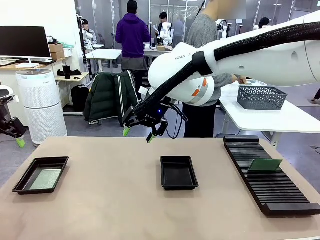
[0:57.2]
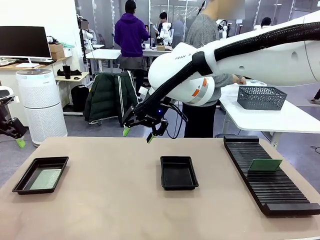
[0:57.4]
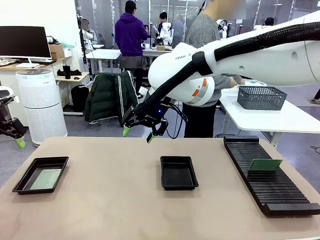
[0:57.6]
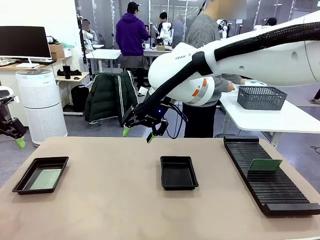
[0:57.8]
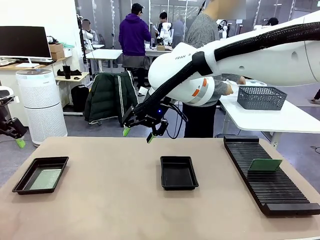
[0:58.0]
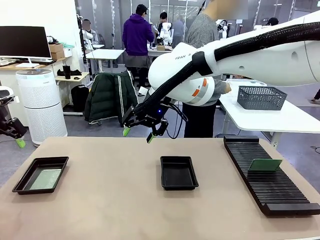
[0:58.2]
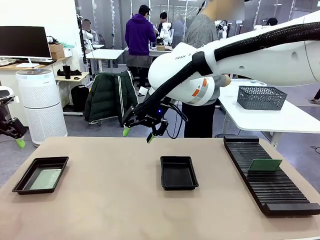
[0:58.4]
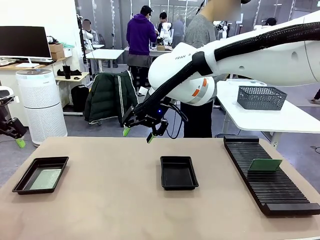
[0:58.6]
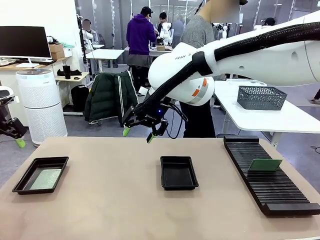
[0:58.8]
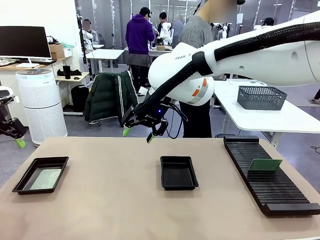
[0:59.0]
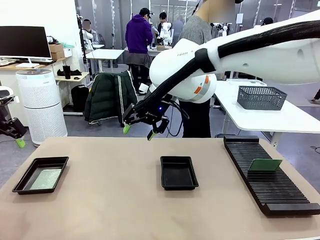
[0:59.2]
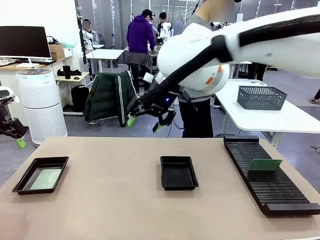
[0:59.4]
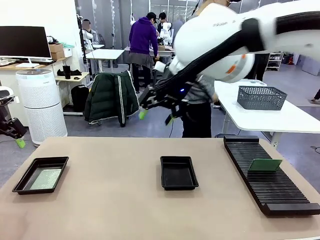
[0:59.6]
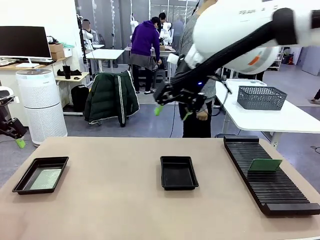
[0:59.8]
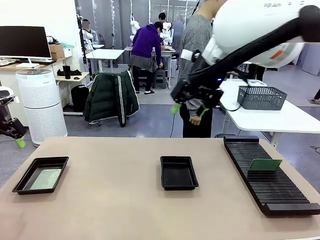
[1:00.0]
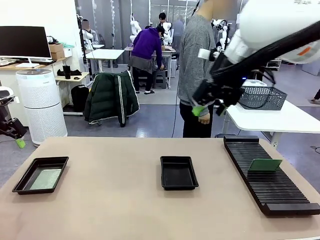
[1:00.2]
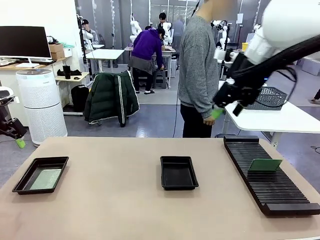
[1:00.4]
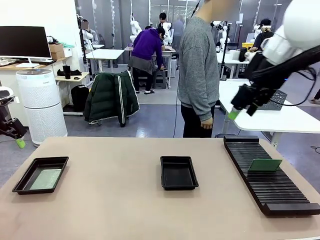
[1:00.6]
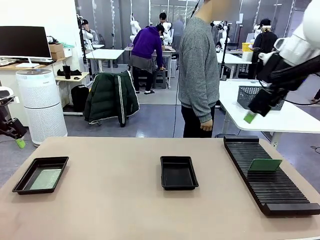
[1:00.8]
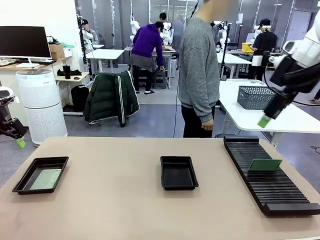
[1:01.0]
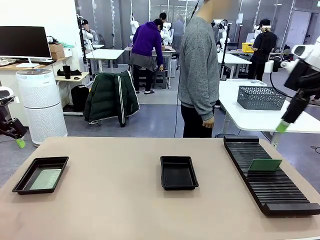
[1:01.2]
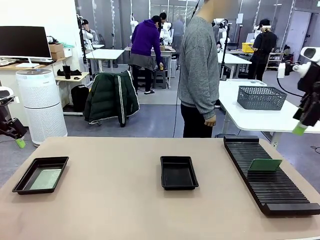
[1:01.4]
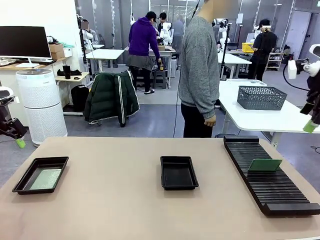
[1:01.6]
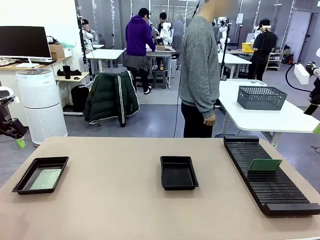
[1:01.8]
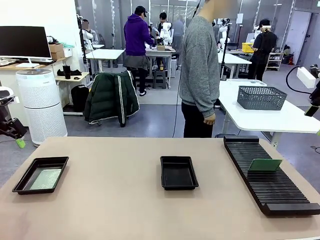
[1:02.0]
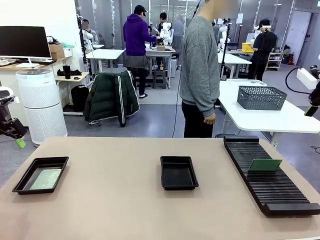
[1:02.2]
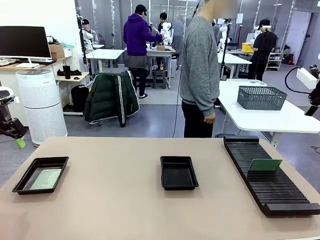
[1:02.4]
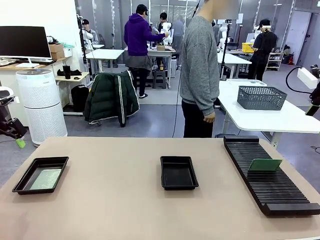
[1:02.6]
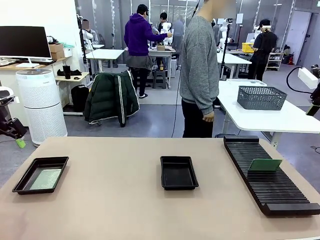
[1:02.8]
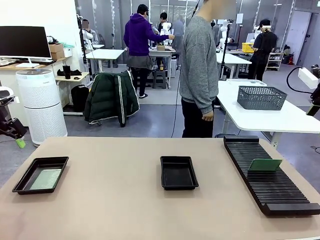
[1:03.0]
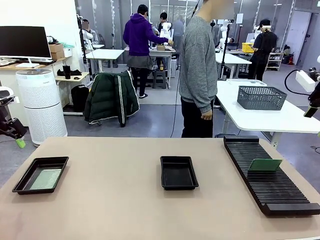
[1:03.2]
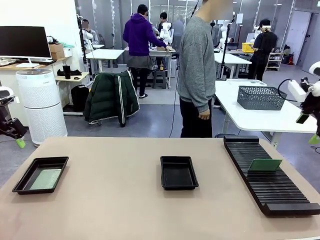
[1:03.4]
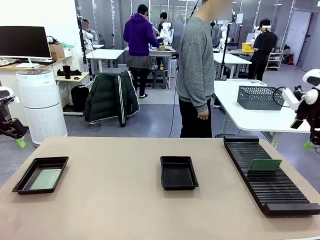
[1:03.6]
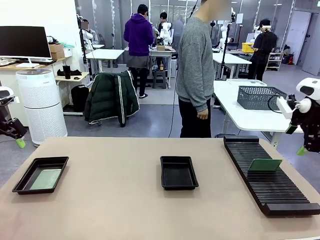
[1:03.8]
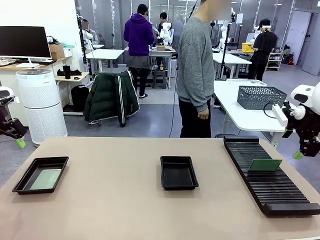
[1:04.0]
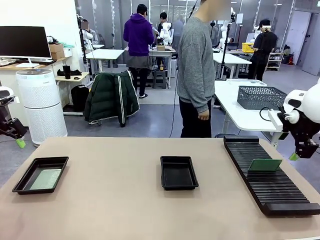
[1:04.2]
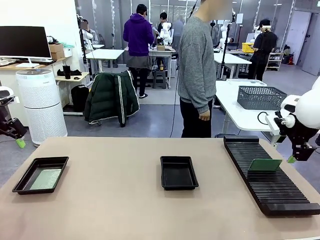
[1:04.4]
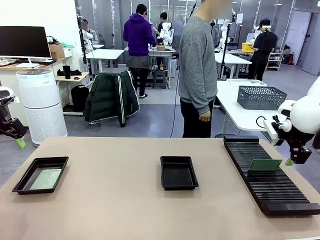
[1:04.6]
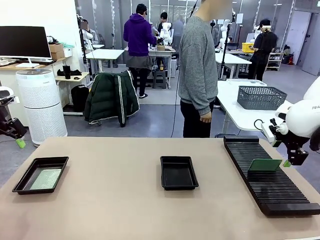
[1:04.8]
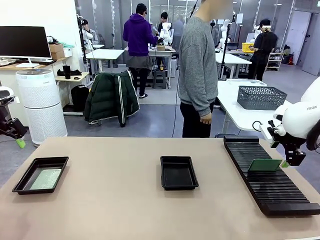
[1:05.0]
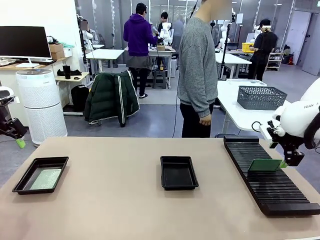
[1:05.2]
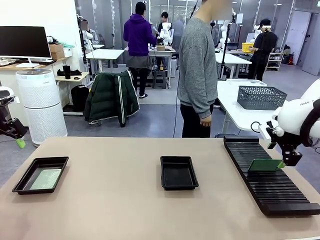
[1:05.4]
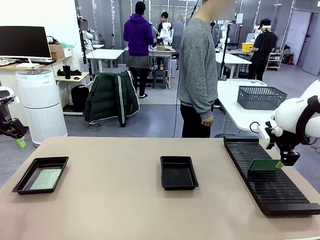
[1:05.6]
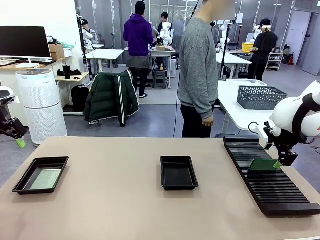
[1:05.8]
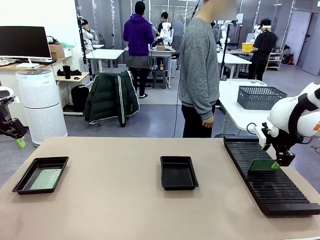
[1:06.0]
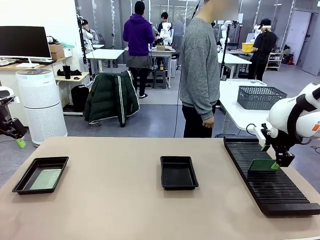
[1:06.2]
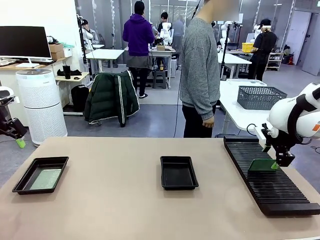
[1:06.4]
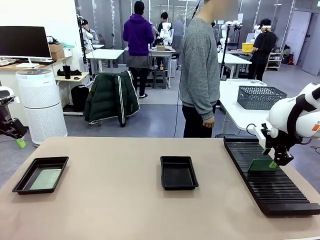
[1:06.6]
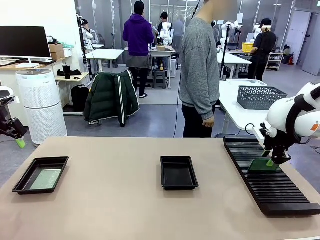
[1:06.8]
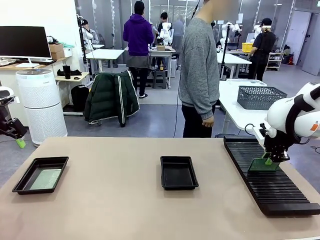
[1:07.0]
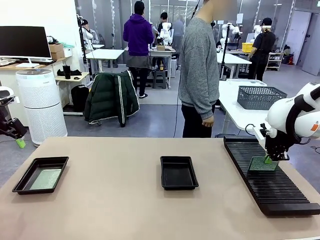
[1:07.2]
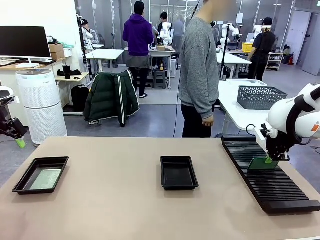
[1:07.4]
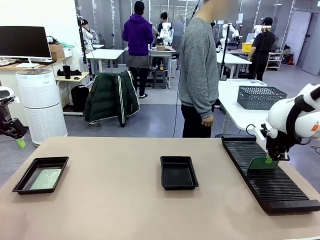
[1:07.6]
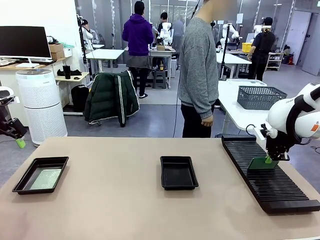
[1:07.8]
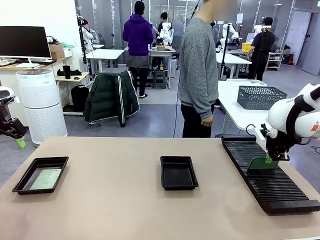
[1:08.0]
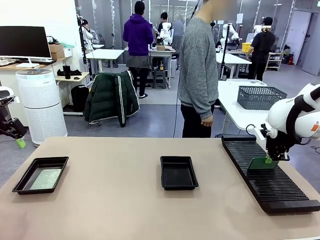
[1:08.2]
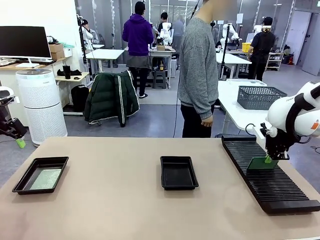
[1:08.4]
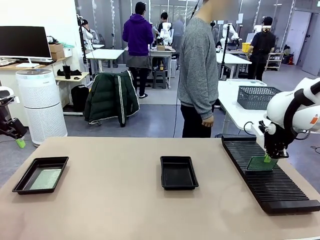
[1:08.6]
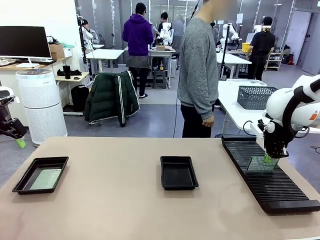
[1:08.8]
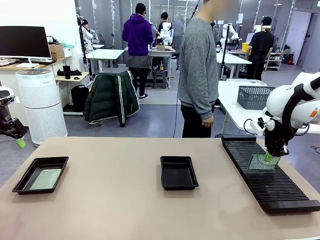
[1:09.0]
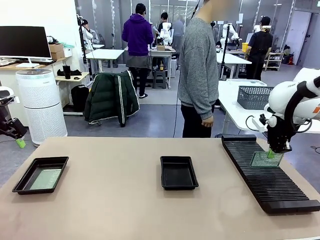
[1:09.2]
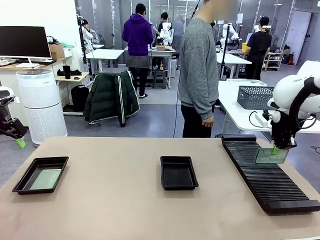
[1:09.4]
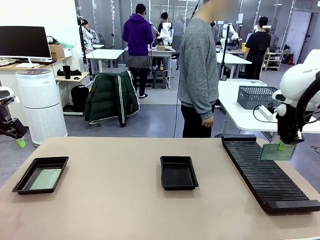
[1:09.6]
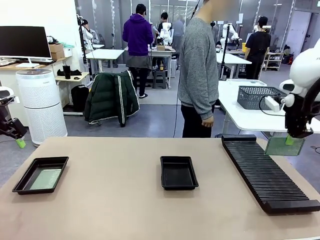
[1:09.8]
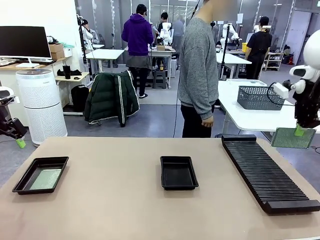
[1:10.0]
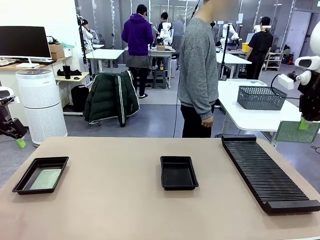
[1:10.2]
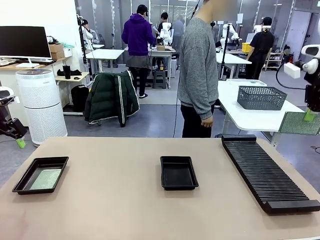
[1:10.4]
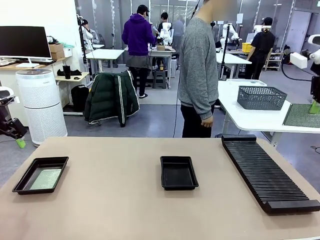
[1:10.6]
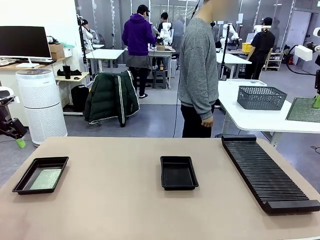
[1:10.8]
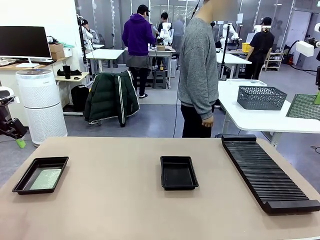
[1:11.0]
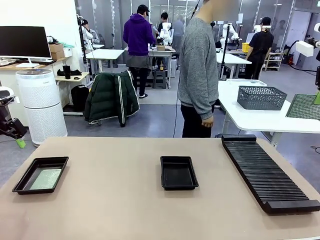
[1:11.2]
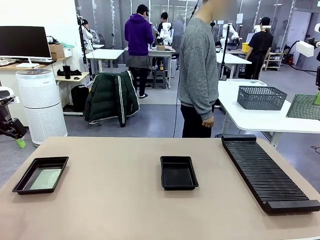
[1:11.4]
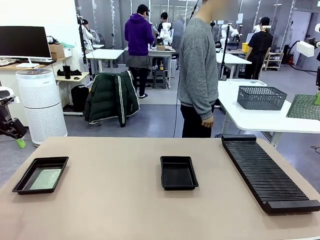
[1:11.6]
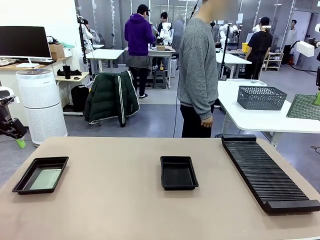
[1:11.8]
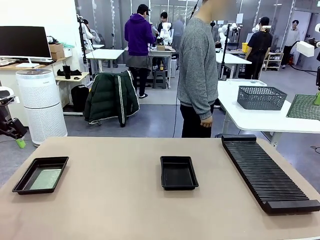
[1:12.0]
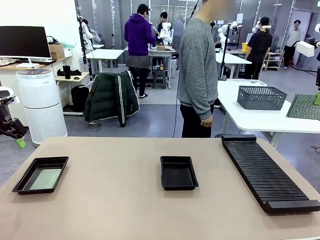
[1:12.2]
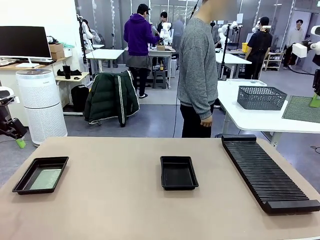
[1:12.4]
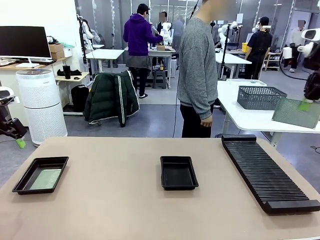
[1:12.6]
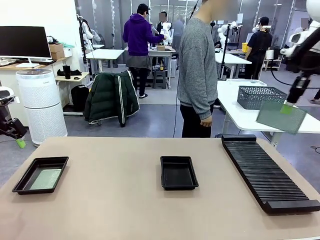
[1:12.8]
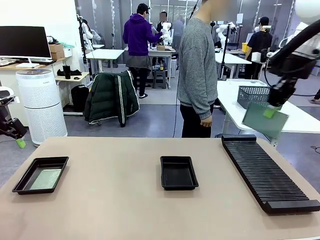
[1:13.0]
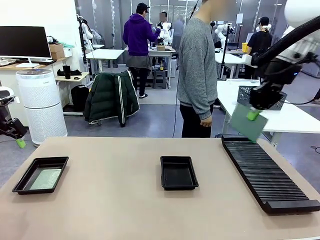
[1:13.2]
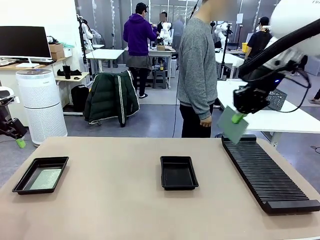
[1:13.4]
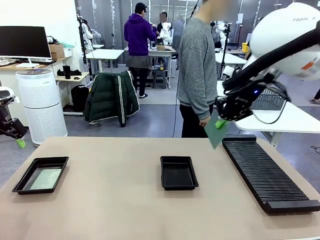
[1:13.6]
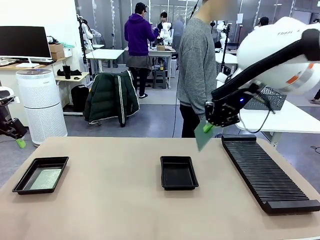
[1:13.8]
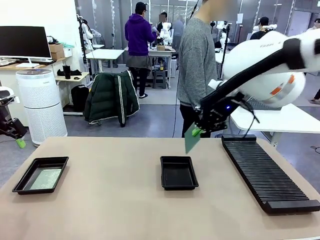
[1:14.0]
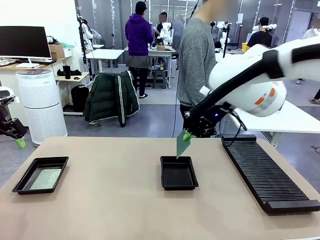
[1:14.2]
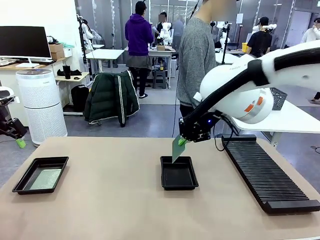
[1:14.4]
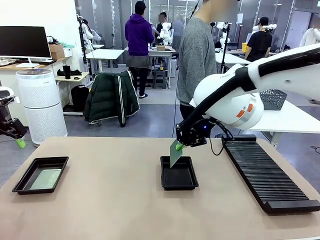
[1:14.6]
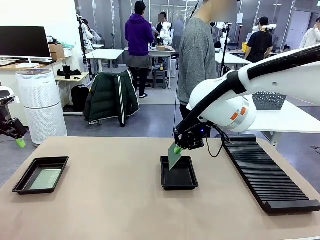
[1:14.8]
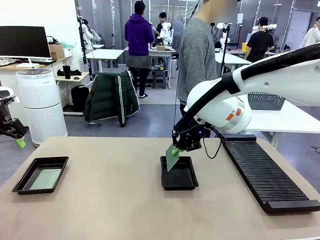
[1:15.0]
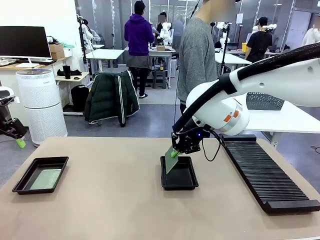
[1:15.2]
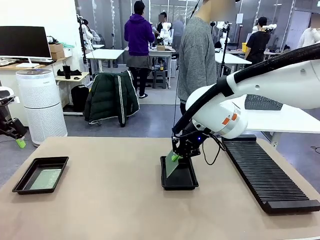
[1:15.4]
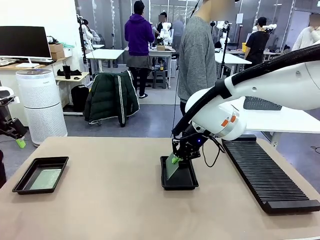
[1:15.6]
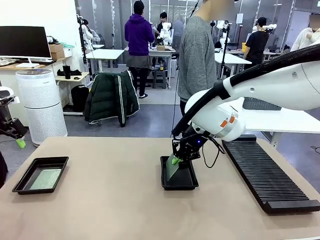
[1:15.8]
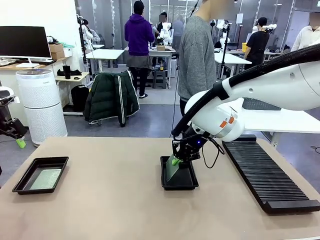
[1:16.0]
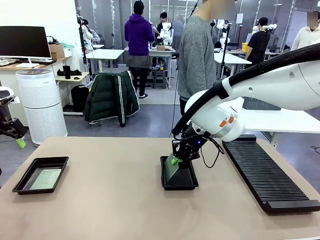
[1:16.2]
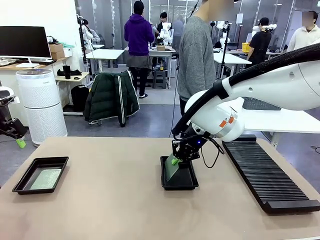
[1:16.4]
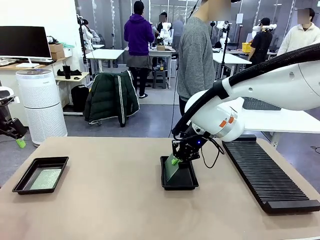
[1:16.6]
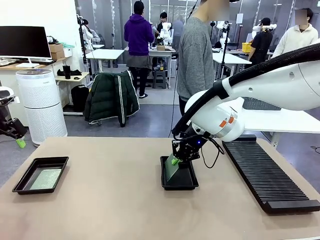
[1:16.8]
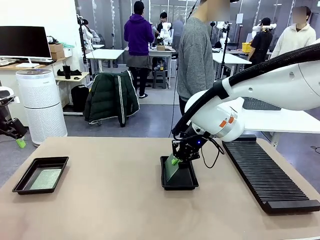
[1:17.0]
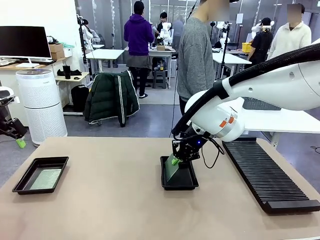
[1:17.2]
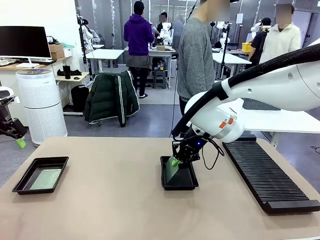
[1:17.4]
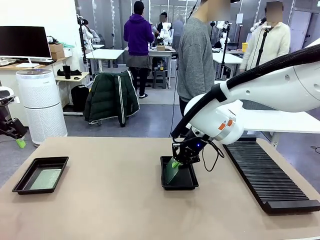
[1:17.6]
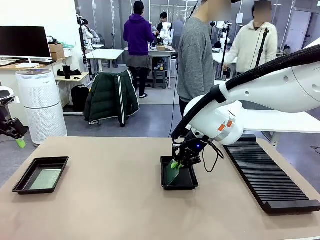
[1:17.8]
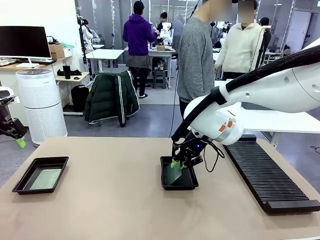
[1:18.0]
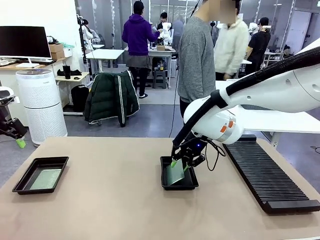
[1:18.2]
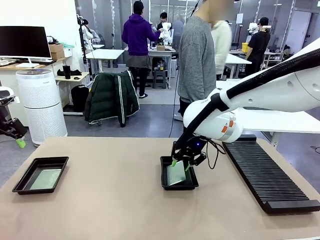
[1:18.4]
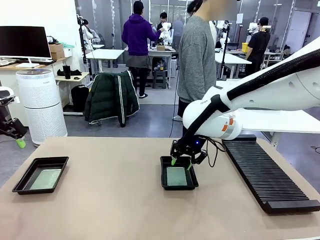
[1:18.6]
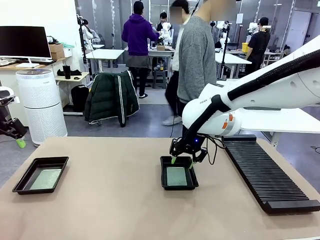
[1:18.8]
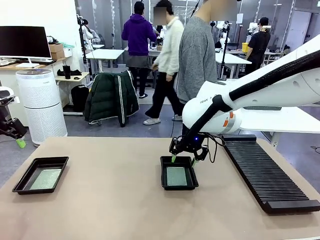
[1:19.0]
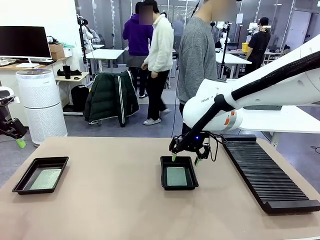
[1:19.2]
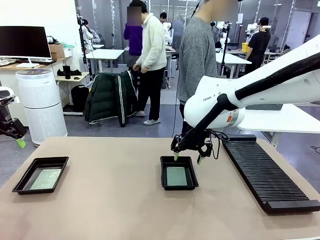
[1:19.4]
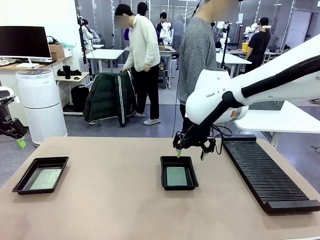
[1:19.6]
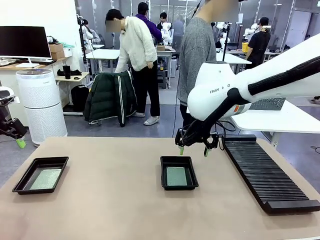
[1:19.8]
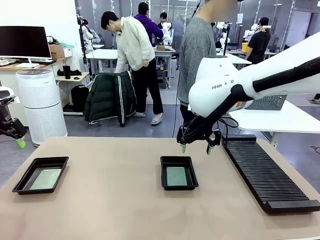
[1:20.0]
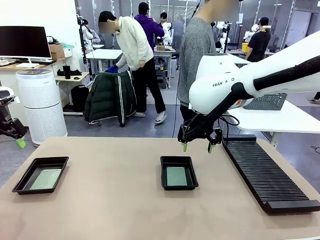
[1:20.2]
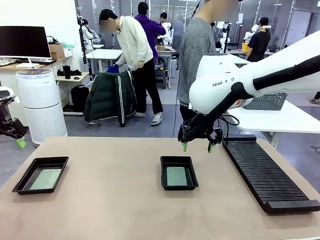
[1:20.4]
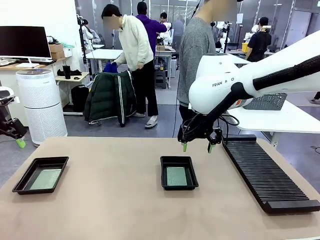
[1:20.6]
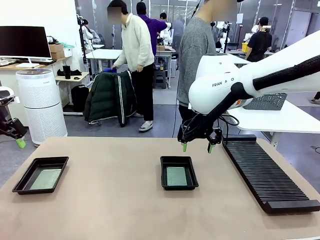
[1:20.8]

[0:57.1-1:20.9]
Task: Inspect and transfer BCBs to ESD trays.
Robot: Pick up the Blank PCB from the PCB Rack and place it in the right ESD tray.
